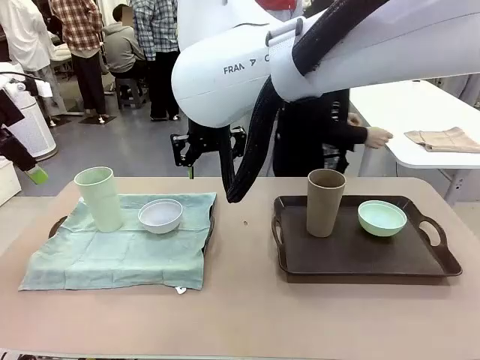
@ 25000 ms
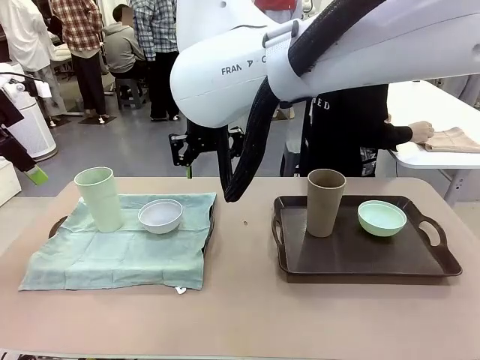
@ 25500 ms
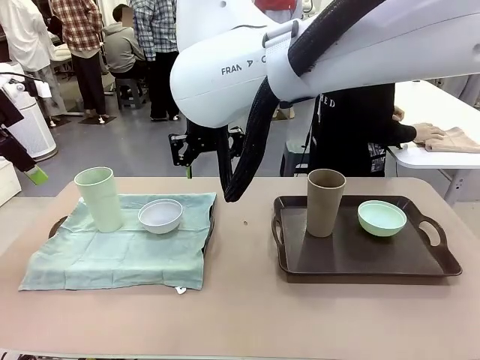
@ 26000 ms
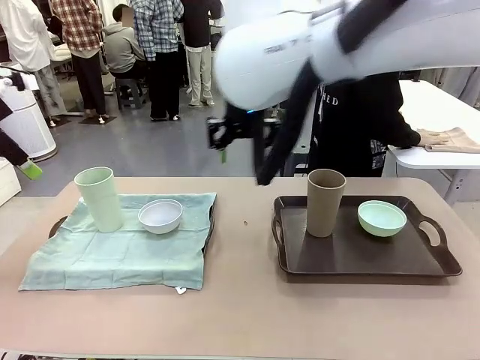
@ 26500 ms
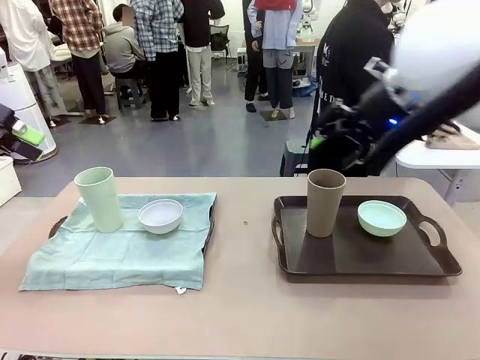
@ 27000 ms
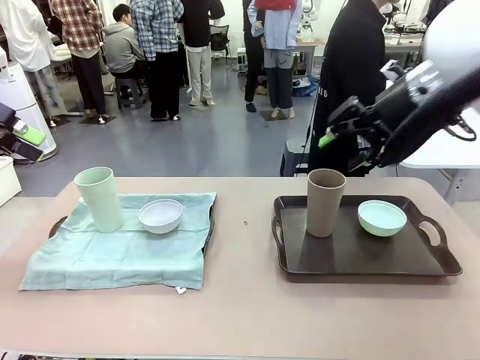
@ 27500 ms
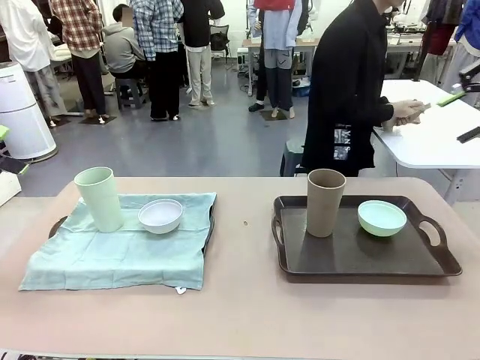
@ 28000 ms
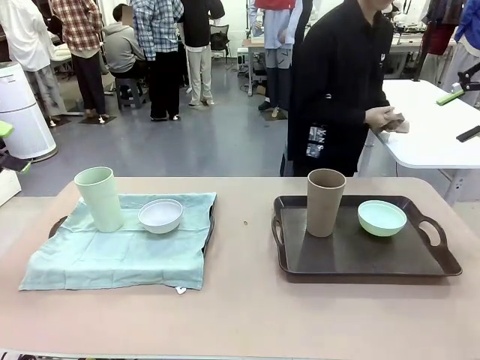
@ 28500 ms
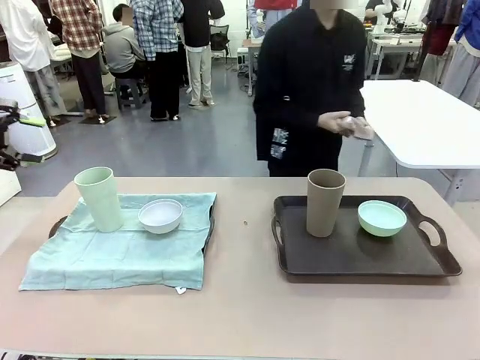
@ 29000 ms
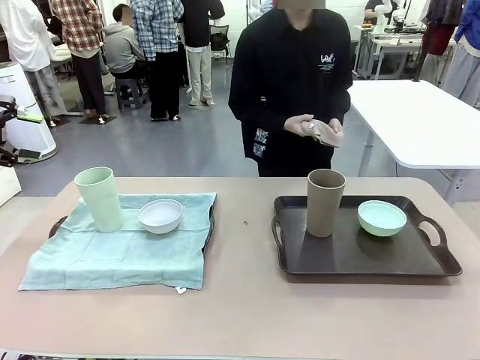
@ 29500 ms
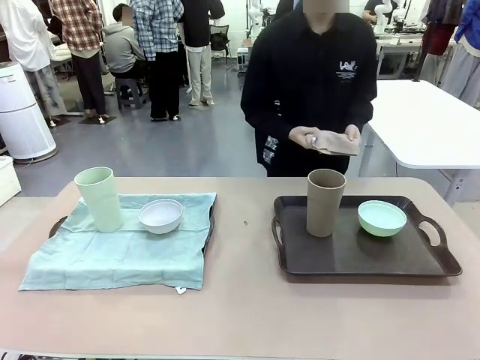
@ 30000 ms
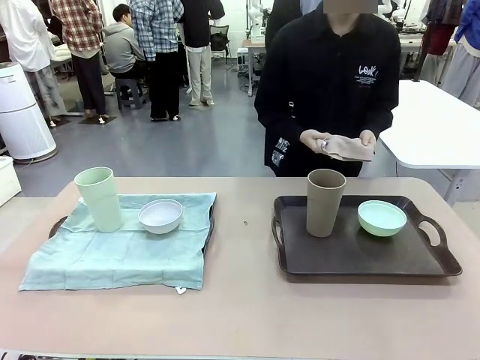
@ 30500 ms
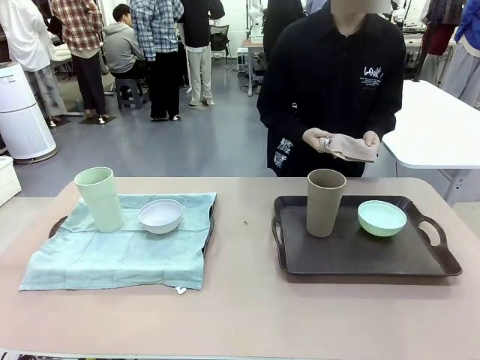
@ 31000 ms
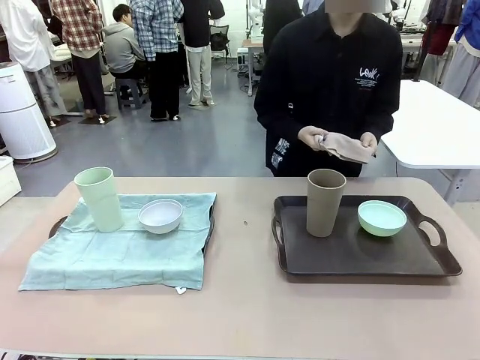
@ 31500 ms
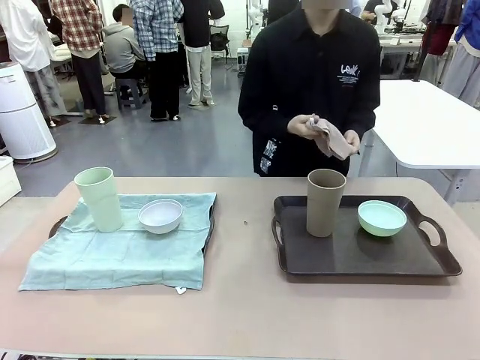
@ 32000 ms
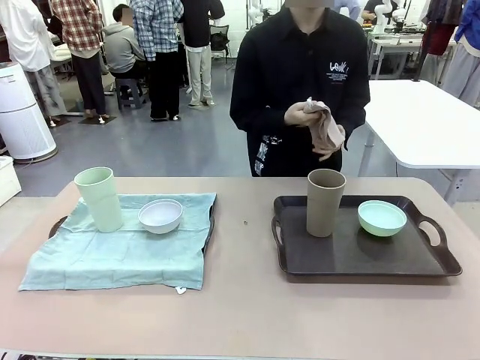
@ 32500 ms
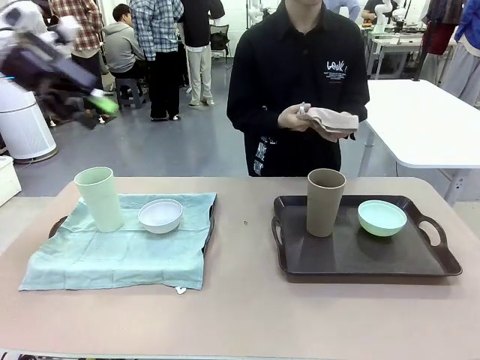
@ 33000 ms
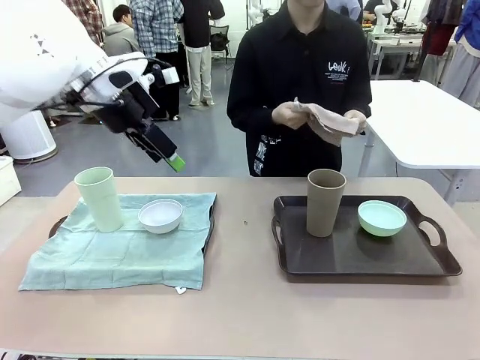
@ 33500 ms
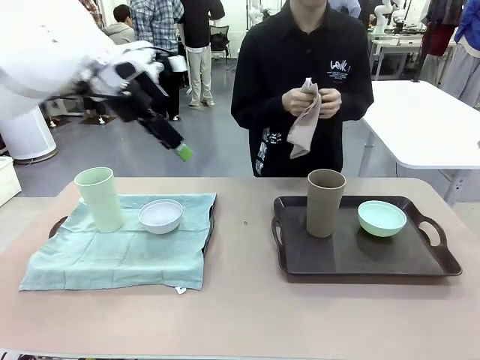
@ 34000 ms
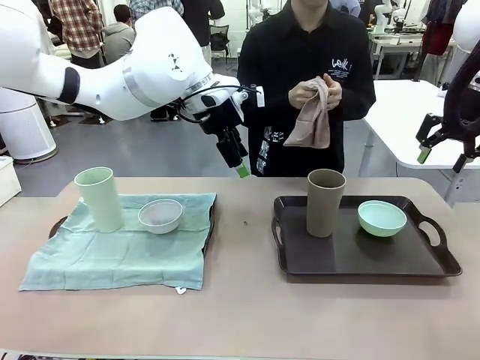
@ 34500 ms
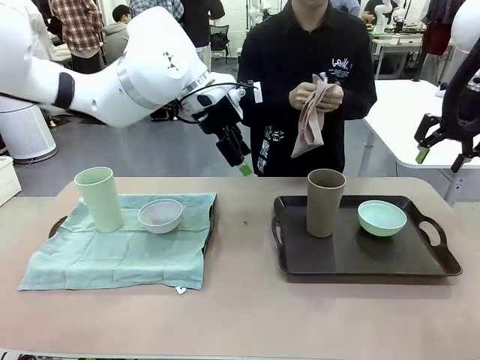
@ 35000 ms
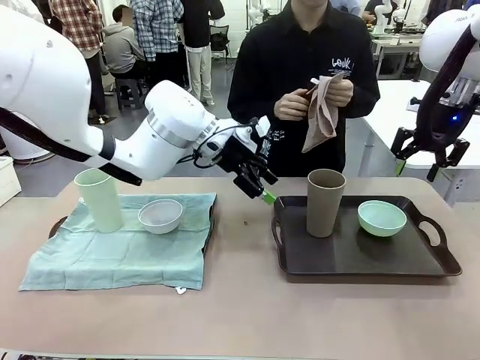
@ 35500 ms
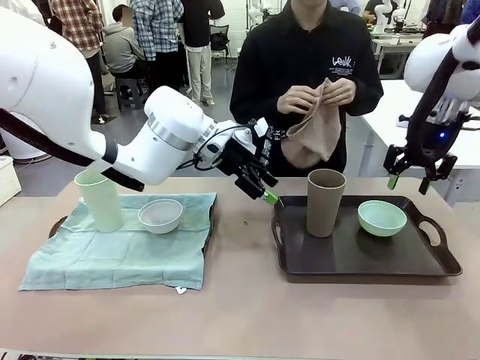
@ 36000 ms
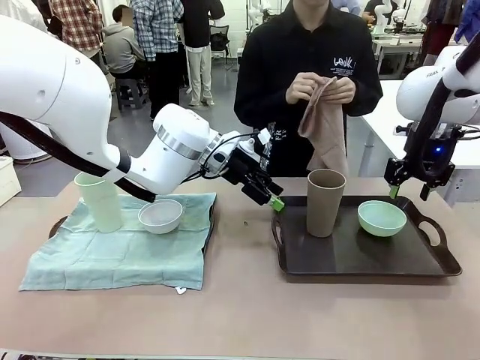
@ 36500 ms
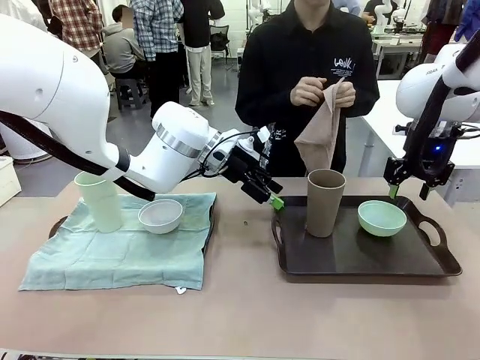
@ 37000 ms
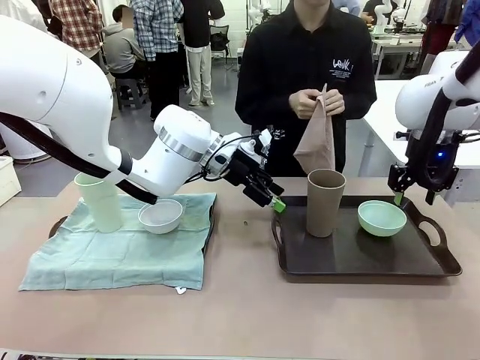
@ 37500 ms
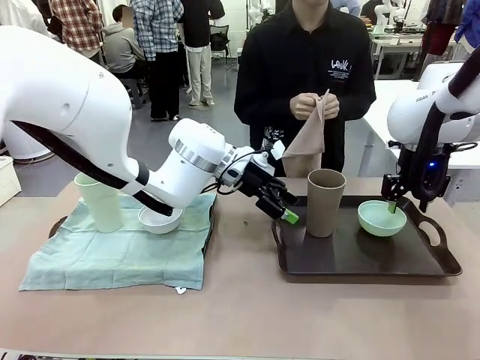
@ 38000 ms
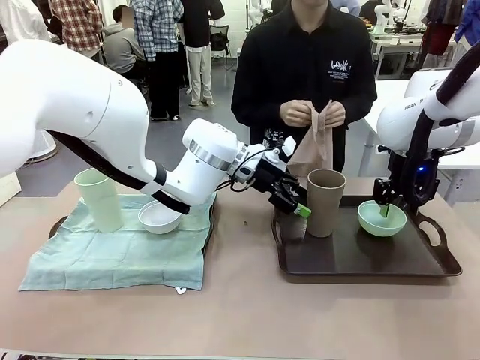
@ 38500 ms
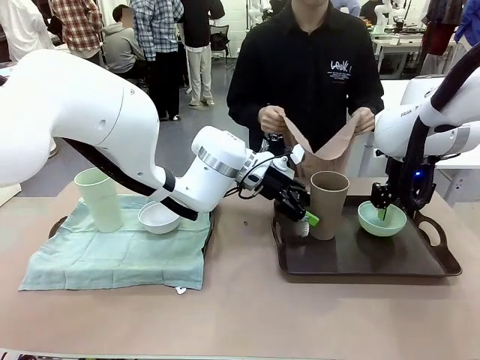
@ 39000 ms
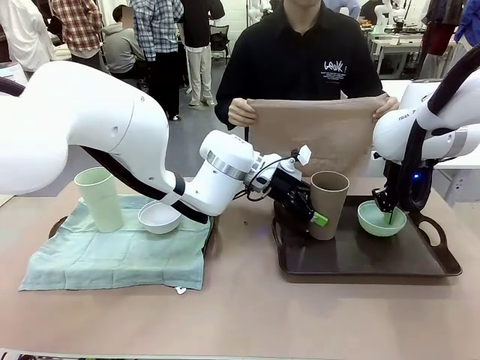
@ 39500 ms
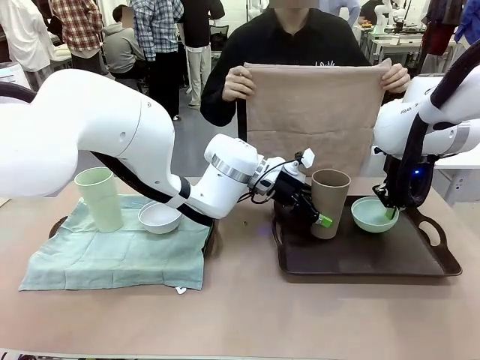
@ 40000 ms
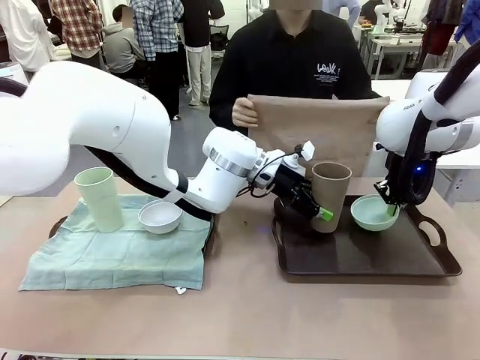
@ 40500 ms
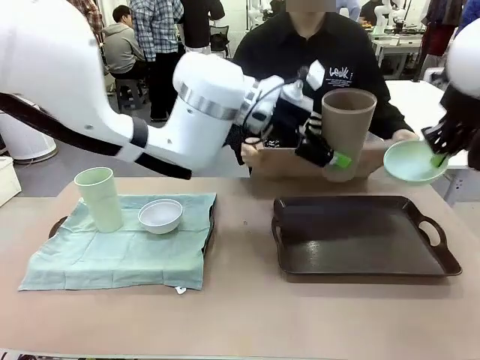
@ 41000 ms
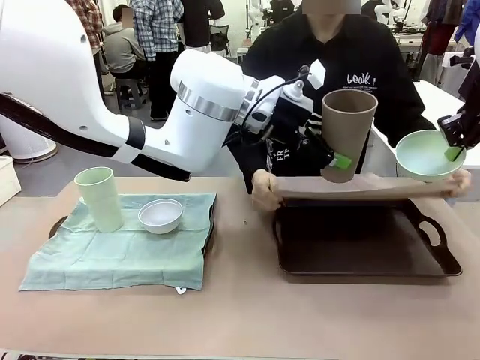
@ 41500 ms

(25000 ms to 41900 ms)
Robot: Pick up the Picnic Bowl and Reusable plastic cup from the Handle tray in front of the human's position and hold them in the air.
Person: The human returns to the human table to pick up another napkin and walks to the robot table to stand in front of the tray without a napkin. When the robot lifts the bowl and the cup, the human unfolds the napkin and lays the napkin flat on the tray.

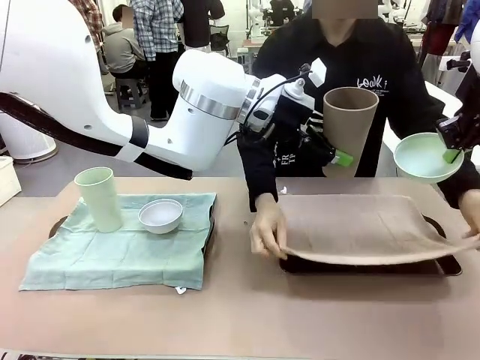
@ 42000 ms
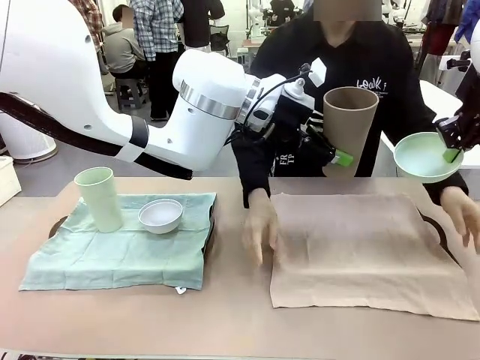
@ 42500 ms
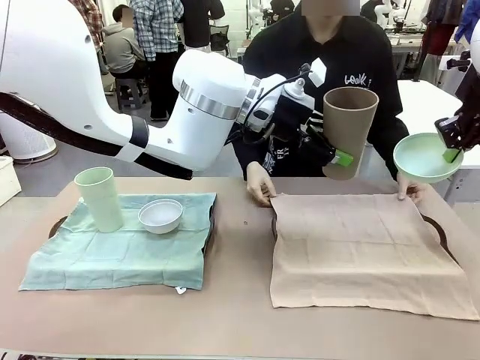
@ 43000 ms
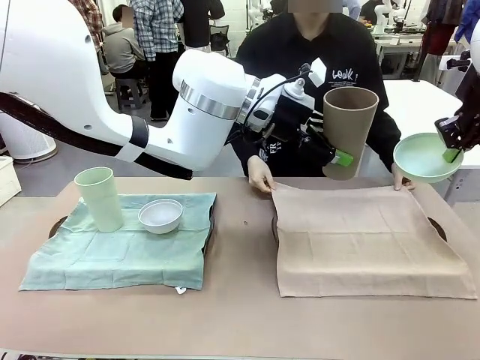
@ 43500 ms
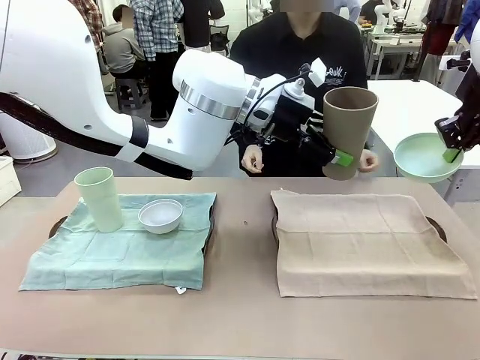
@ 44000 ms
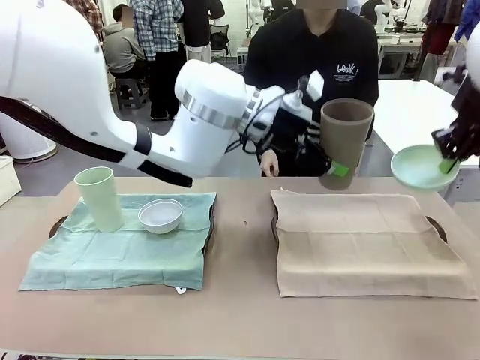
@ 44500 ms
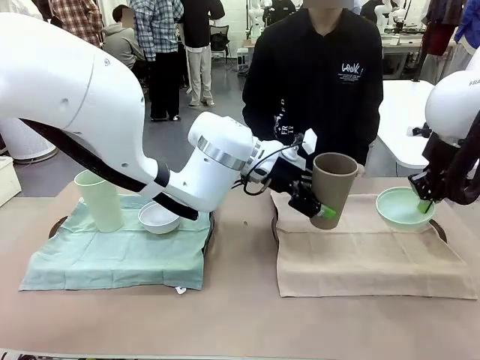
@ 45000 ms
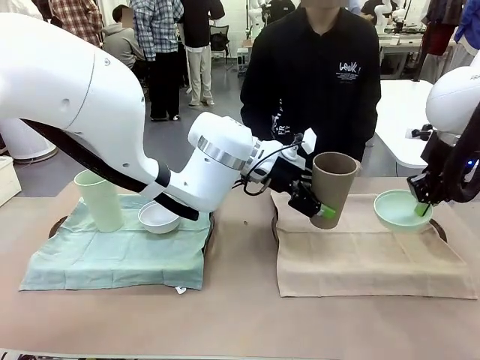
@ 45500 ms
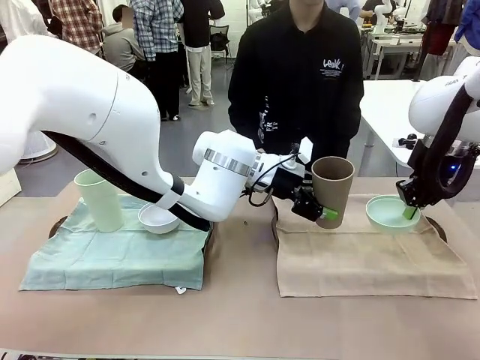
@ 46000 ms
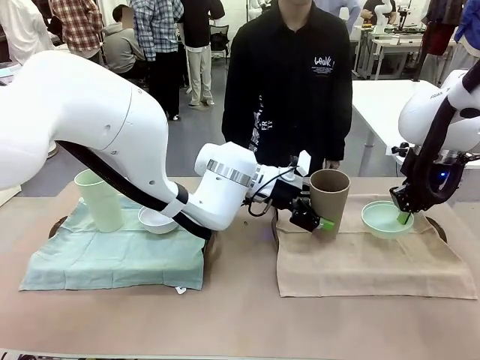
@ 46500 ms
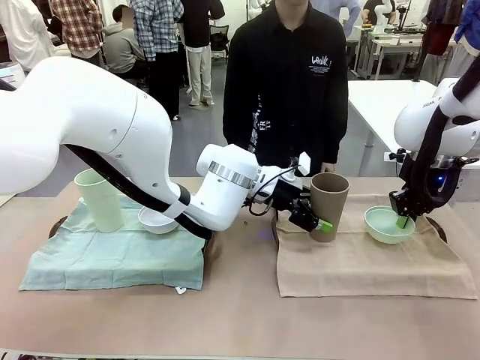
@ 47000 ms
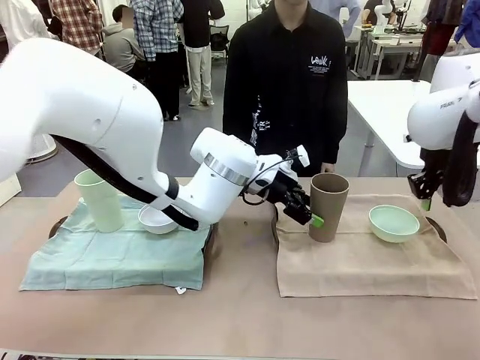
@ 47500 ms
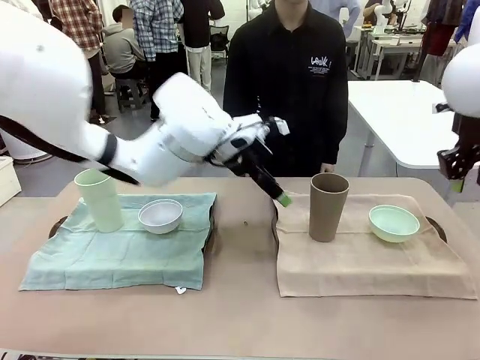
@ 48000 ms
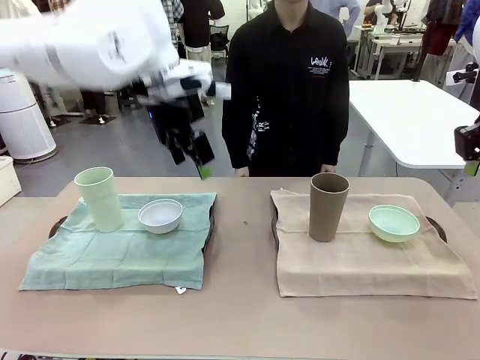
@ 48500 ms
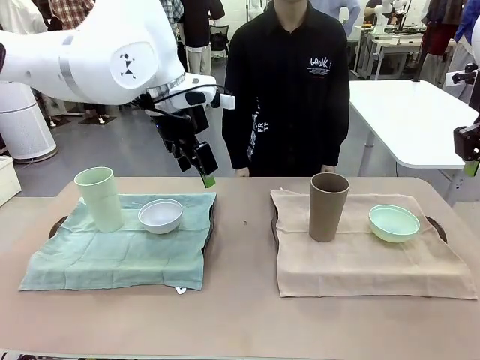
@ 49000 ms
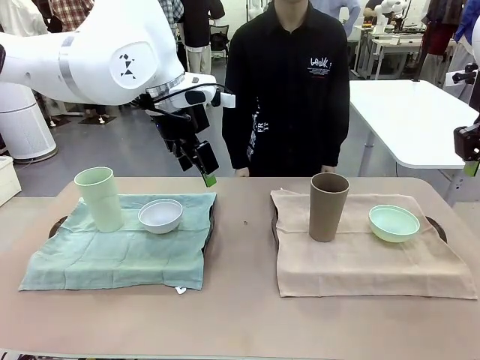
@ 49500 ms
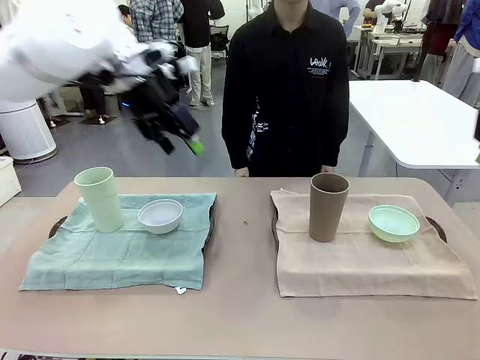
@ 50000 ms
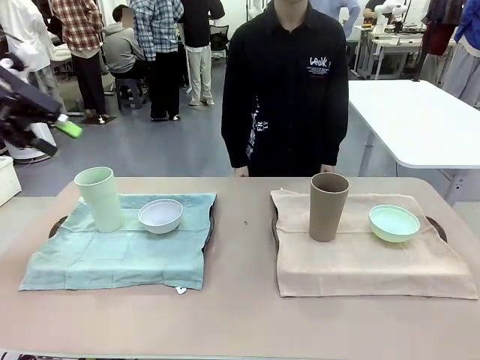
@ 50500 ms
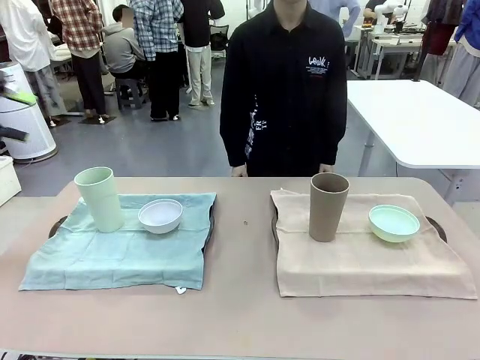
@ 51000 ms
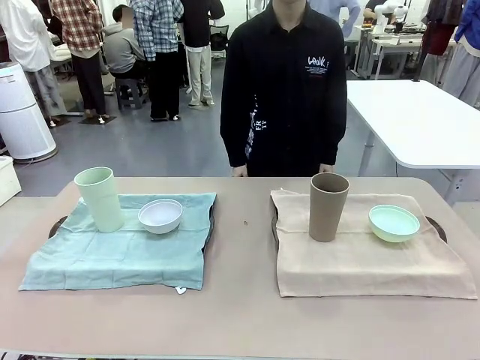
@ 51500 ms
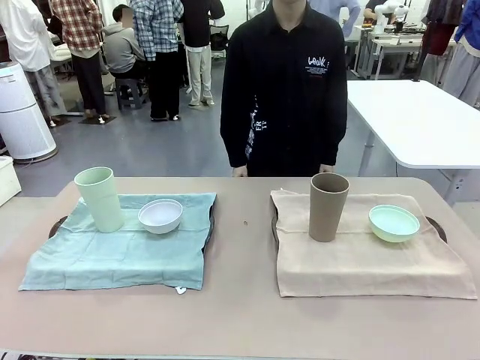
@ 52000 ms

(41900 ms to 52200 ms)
Robot: Place the Picnic Bowl and Reusable plastic cup back onto the Handle tray in front of the human's position.
